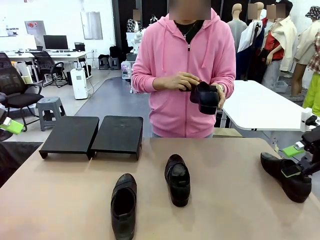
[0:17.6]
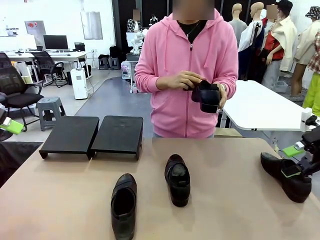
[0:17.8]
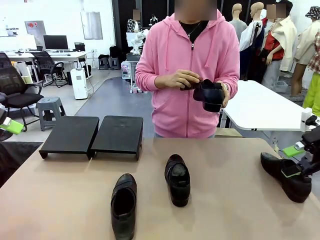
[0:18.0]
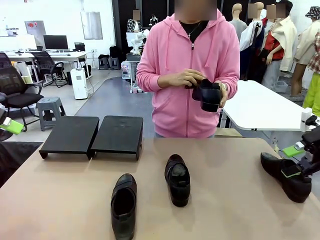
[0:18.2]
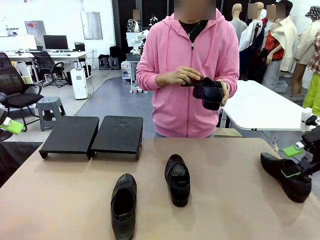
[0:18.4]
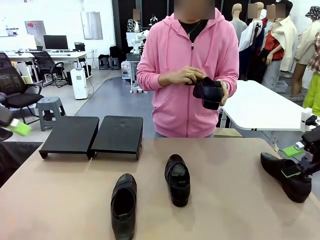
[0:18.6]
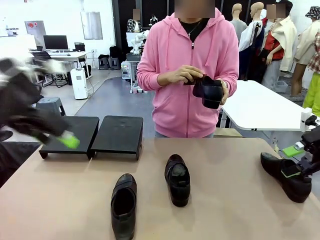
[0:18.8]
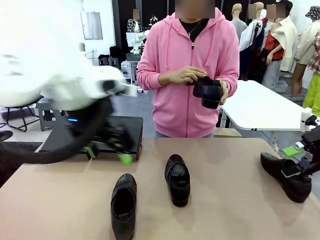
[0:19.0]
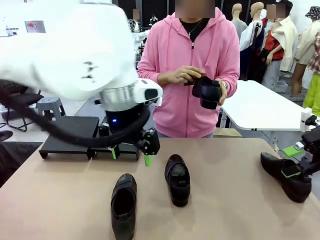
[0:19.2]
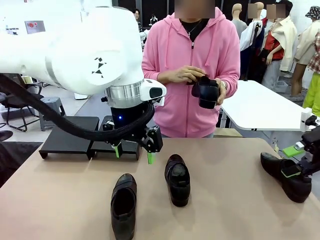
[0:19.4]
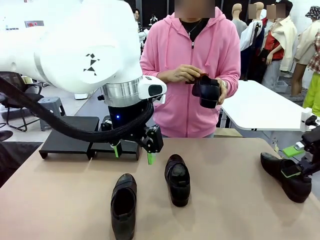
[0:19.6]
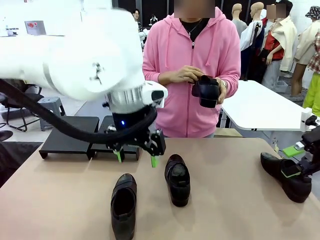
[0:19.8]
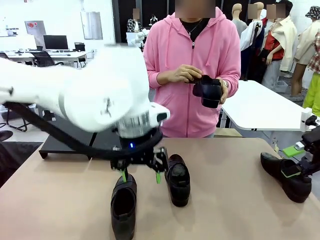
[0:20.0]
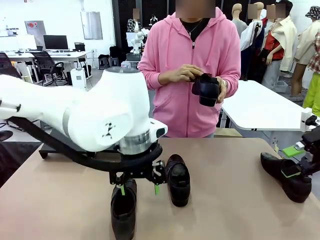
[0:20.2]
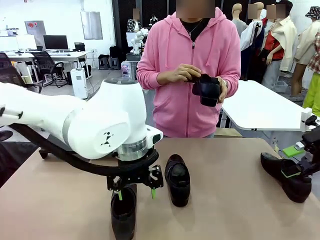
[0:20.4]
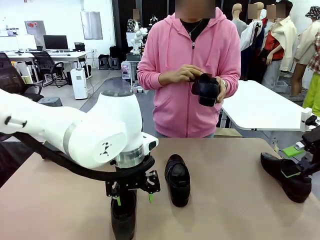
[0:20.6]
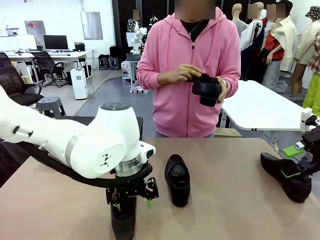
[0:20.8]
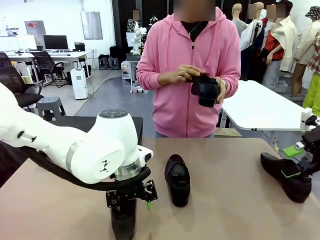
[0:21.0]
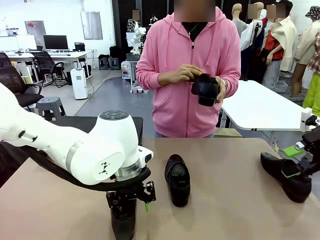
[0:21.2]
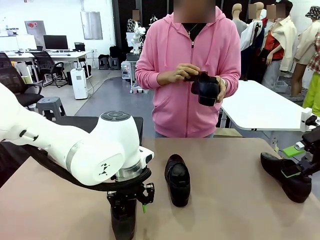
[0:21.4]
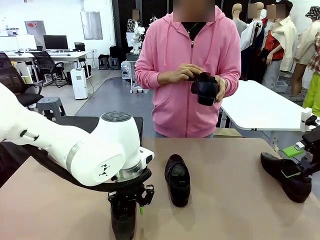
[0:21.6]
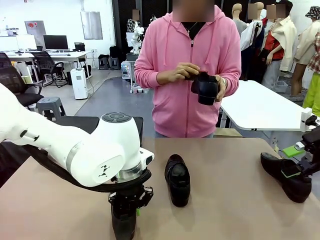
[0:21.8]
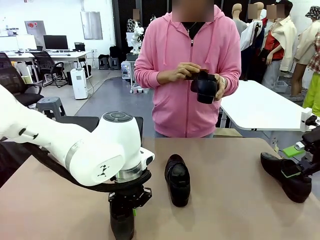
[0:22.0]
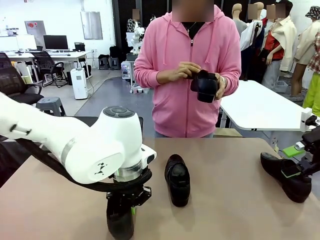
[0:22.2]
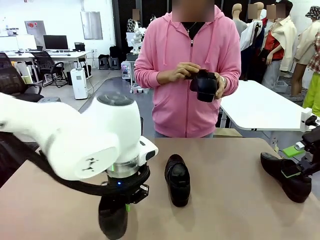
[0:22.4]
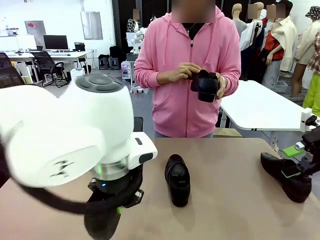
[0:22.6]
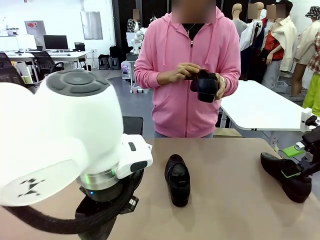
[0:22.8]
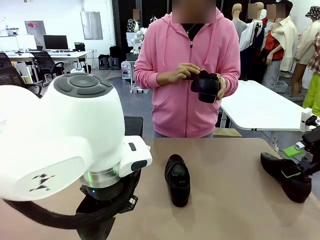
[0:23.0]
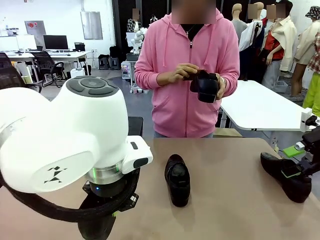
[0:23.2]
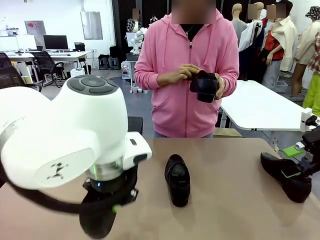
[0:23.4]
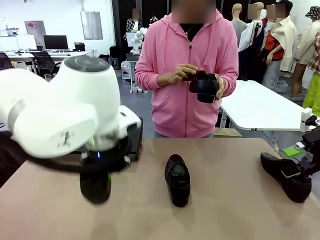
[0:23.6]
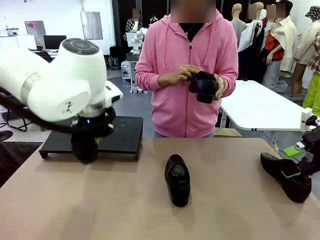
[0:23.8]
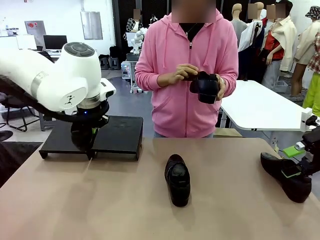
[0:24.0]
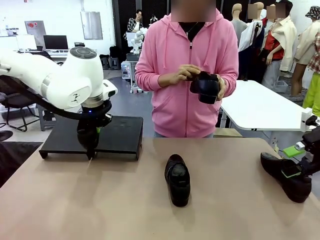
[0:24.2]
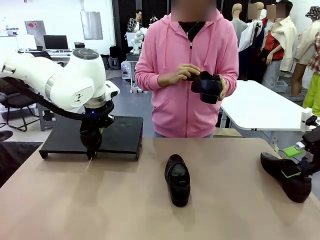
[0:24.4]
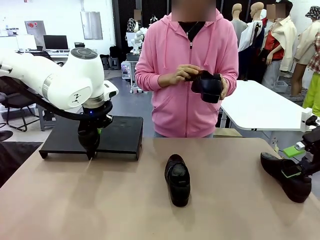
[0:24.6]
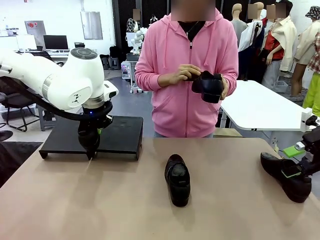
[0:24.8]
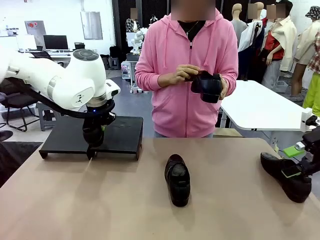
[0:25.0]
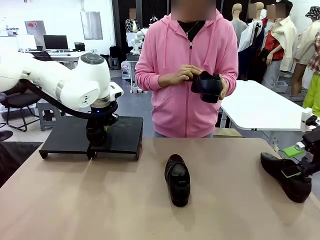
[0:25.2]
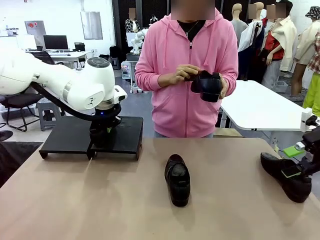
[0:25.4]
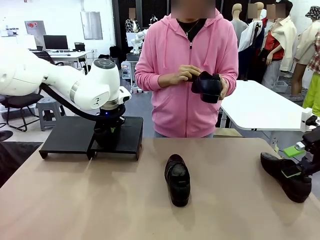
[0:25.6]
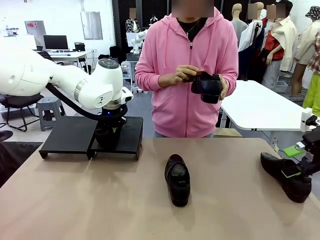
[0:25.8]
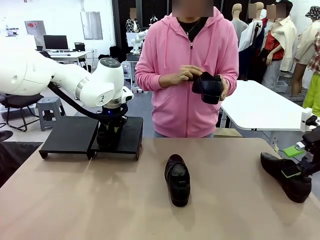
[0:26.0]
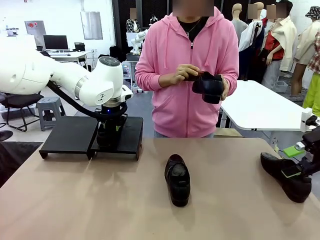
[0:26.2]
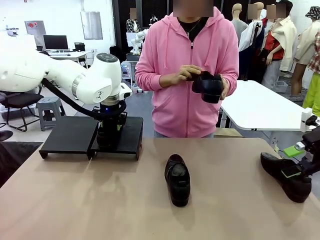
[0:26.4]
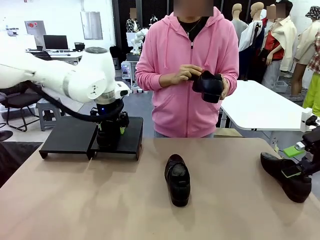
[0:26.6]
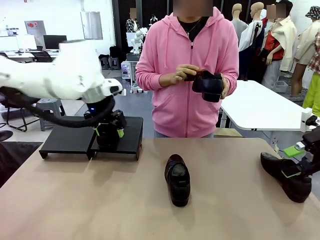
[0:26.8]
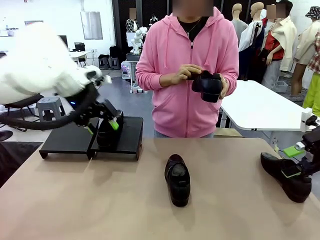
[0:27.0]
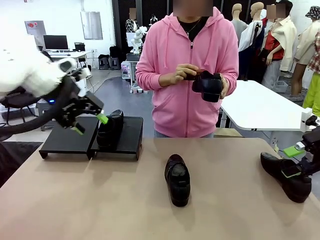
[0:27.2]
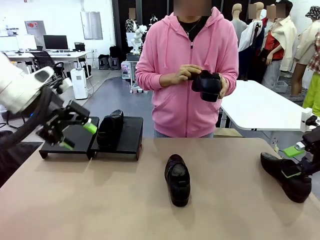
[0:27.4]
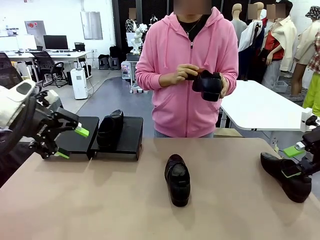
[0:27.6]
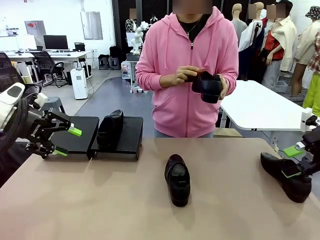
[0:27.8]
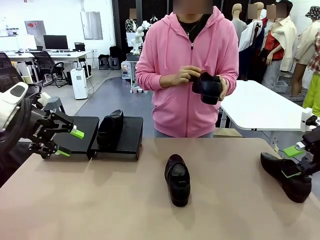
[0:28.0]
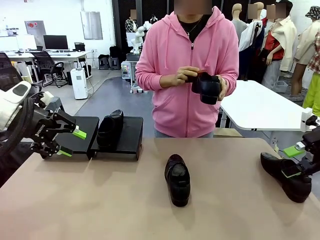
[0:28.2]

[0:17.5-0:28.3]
Task: Organize the shoes by placing them on the stand.
Robot: Place the Shoe from the middle of the table onto the Shoes Stand.
Person: Clean the Shoe with the Shoe Brush.

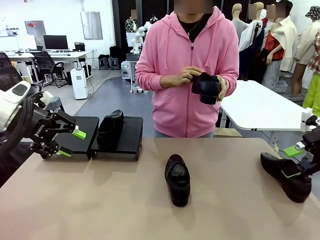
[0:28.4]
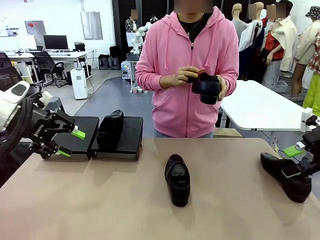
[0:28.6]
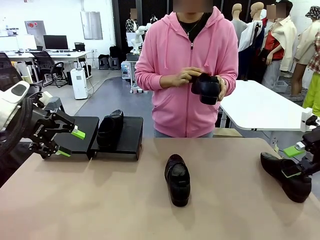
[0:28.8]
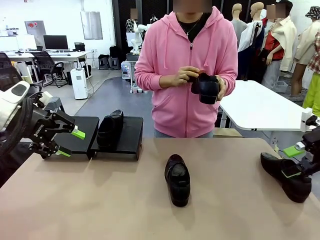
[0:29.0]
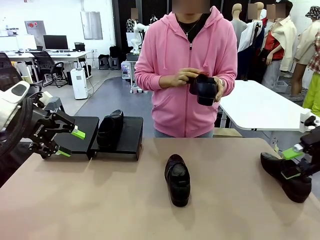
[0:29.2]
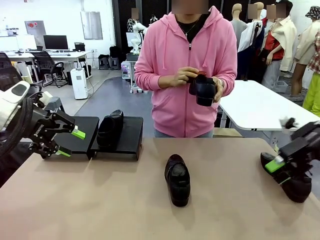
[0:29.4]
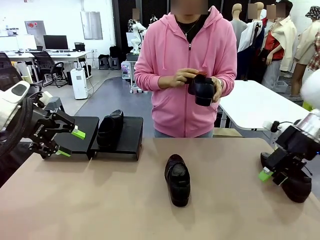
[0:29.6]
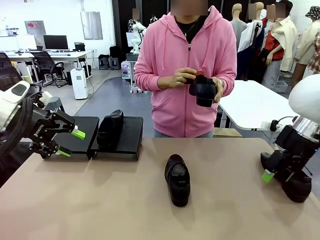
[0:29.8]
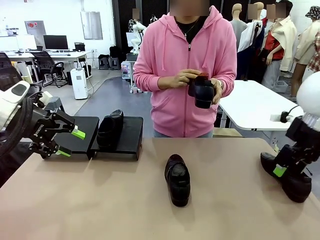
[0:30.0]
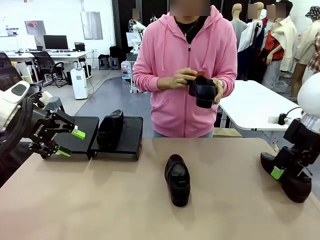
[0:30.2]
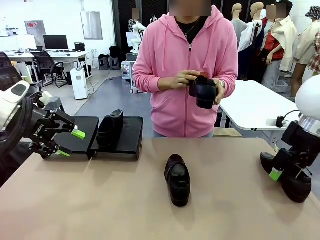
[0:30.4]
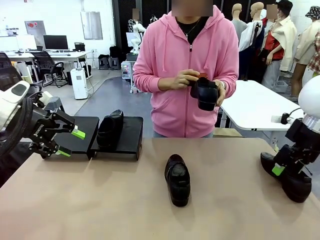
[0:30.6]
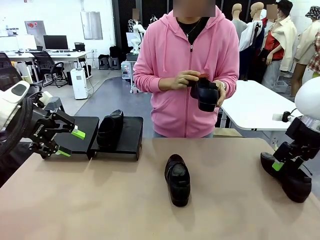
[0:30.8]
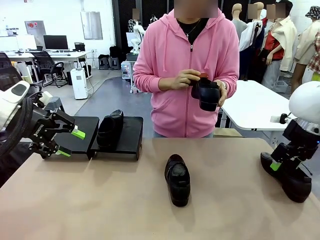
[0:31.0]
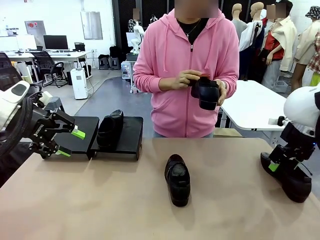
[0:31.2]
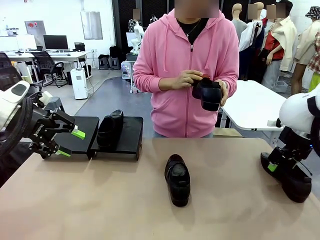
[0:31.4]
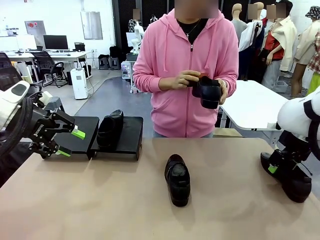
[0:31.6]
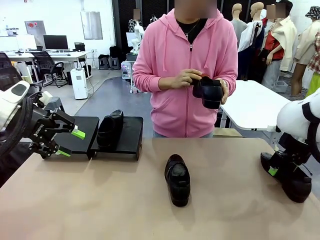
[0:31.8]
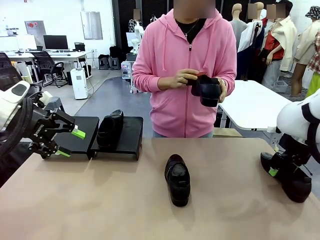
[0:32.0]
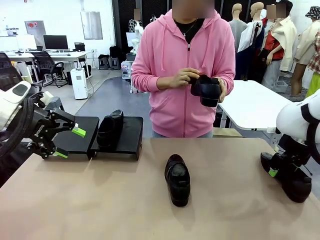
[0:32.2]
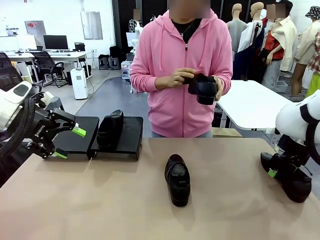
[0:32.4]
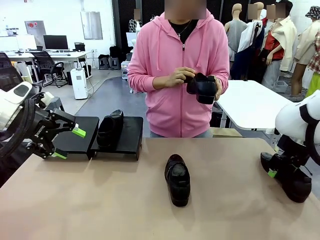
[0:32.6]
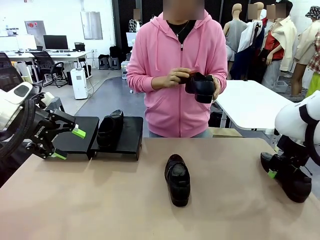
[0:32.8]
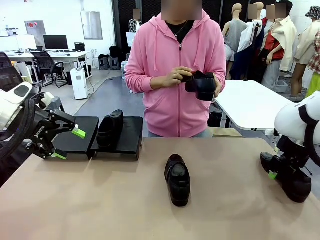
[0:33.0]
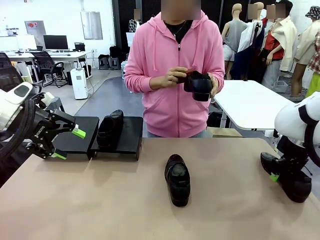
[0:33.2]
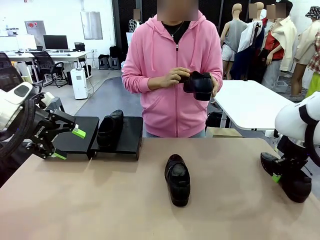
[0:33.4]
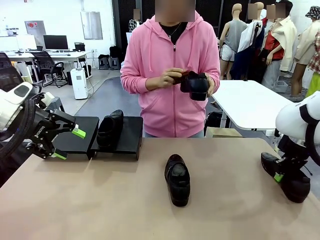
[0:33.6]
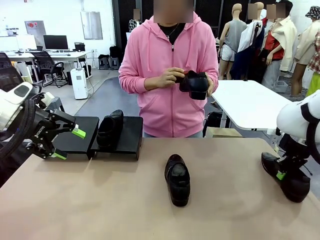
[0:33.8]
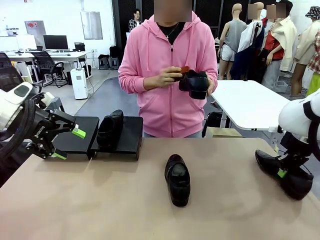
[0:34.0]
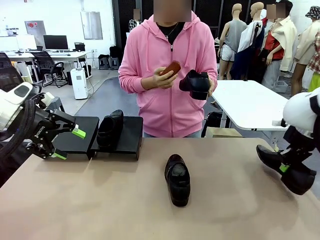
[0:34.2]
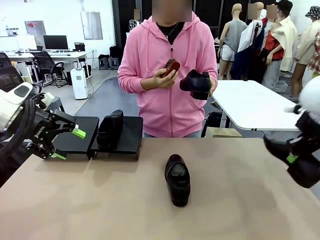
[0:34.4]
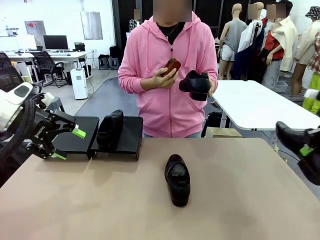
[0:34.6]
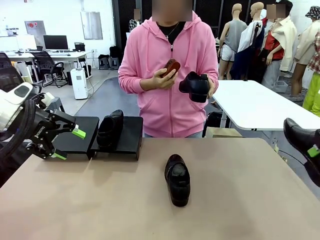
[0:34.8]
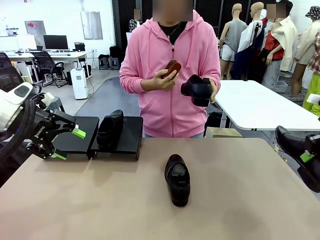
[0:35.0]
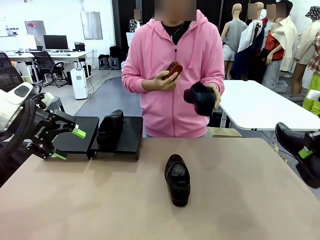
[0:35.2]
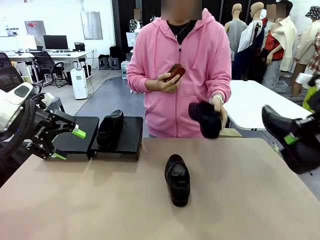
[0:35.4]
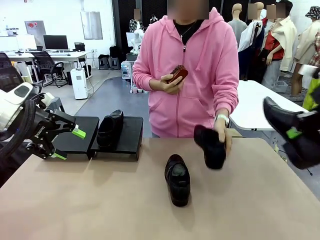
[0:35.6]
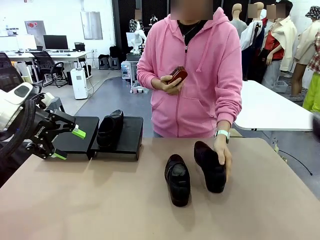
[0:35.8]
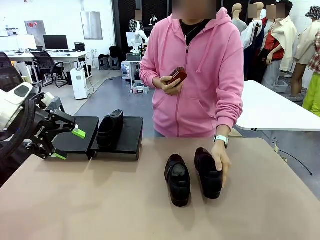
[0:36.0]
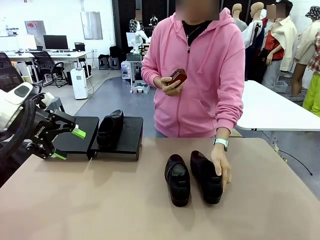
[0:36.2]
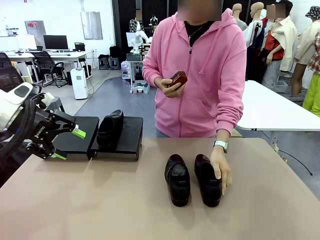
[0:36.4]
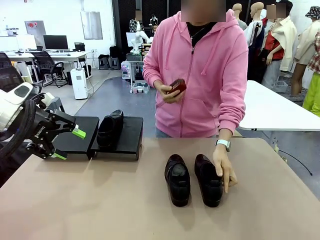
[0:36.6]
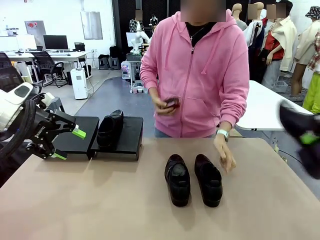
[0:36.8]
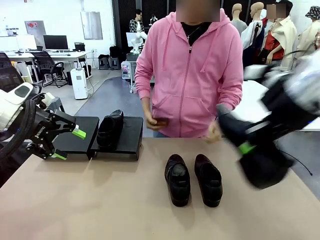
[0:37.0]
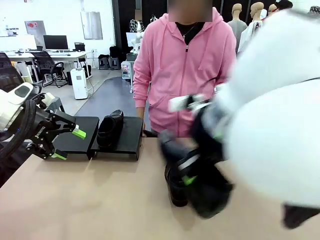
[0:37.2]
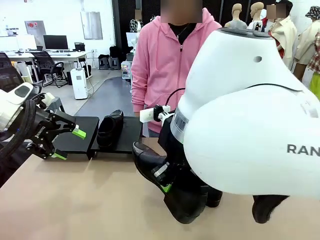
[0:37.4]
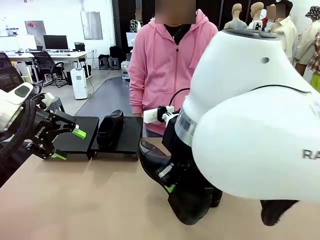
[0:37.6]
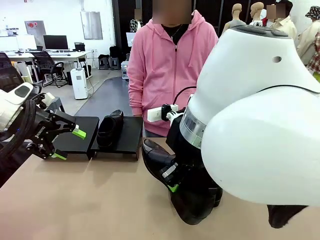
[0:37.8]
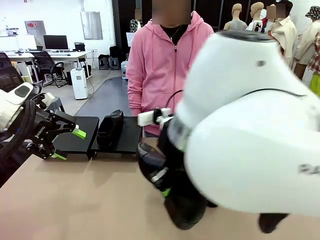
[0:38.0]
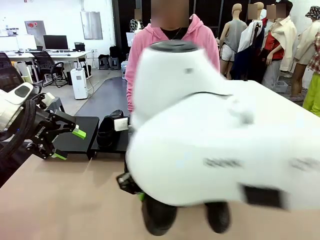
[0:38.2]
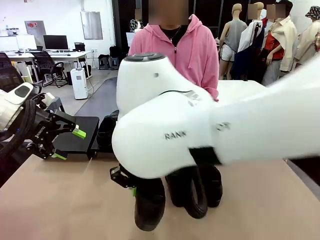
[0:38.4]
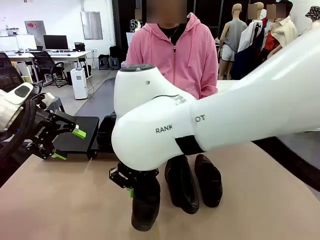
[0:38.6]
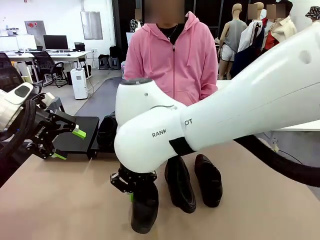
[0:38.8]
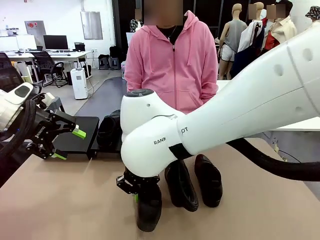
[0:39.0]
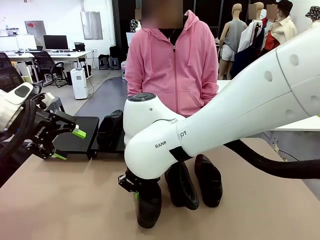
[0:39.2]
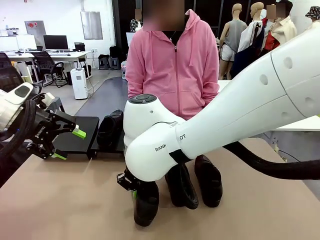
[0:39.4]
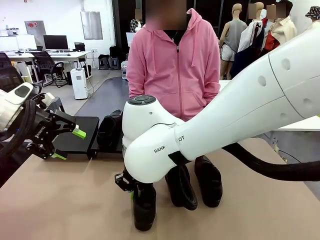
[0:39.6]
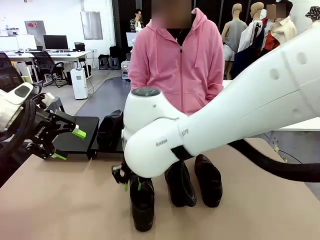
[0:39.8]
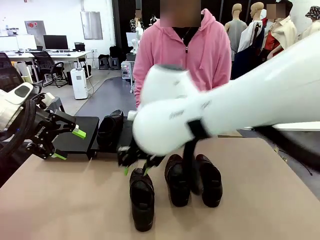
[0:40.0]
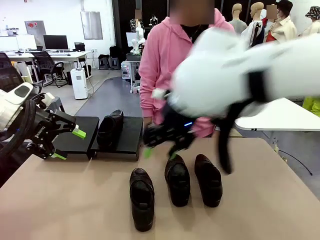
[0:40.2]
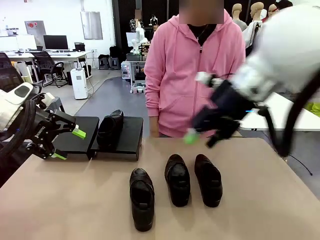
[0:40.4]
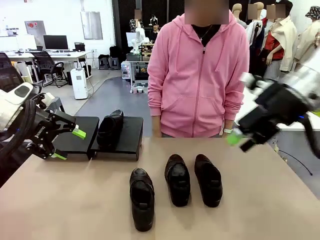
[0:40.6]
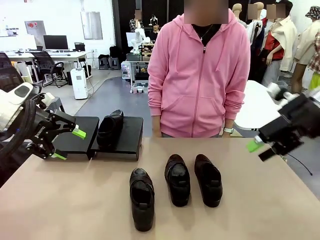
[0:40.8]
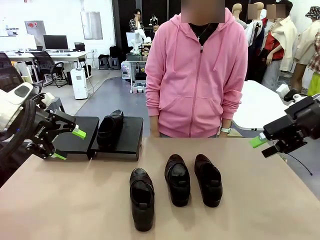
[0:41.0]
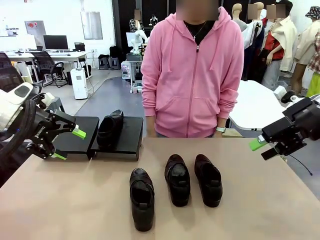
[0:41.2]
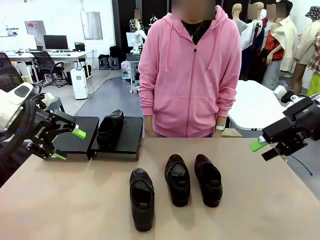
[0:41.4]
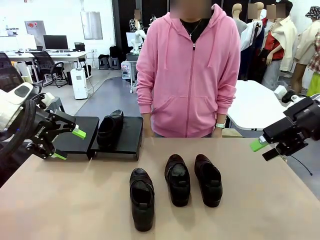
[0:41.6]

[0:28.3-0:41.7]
Robot: Pick up one Shoe and place it in the middle of the table.
